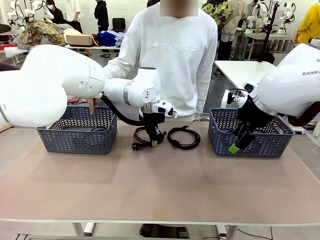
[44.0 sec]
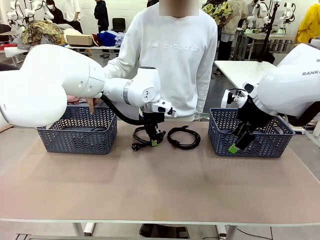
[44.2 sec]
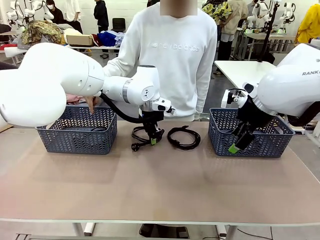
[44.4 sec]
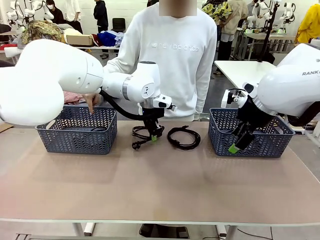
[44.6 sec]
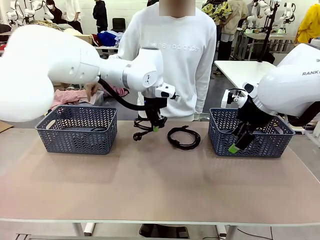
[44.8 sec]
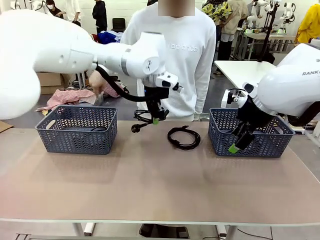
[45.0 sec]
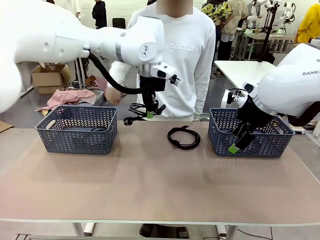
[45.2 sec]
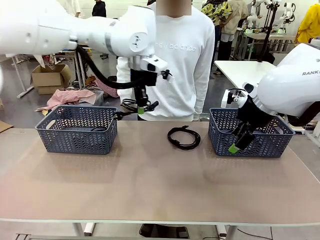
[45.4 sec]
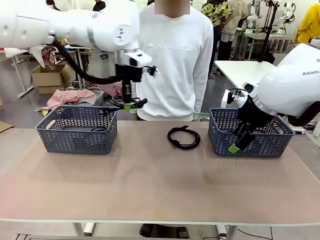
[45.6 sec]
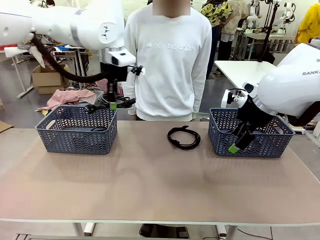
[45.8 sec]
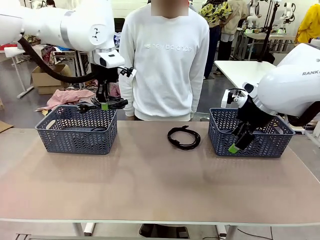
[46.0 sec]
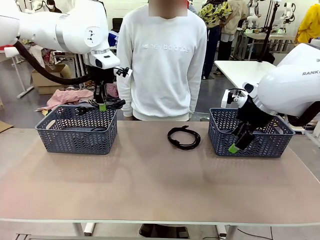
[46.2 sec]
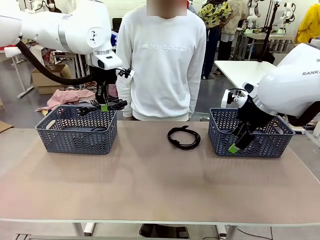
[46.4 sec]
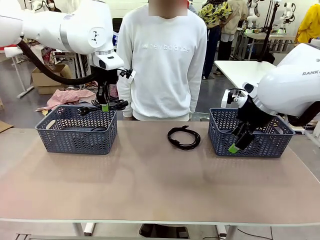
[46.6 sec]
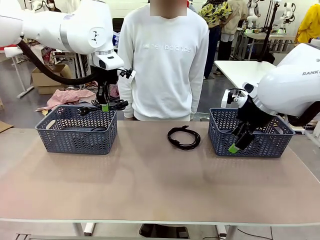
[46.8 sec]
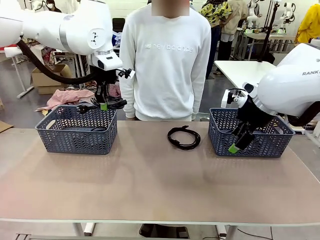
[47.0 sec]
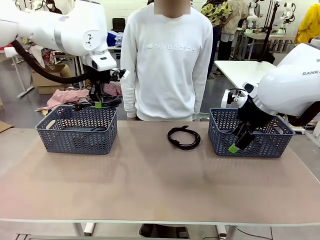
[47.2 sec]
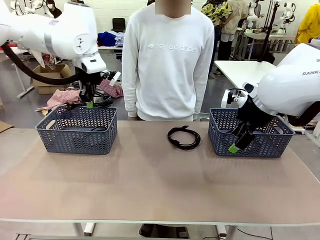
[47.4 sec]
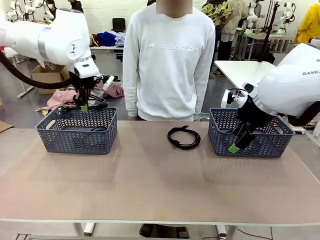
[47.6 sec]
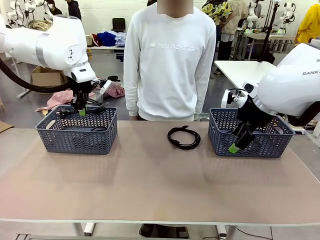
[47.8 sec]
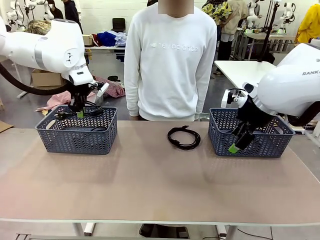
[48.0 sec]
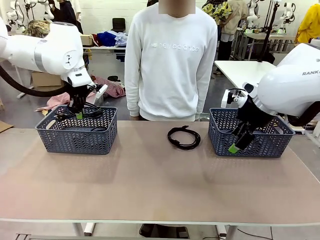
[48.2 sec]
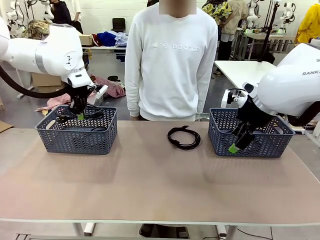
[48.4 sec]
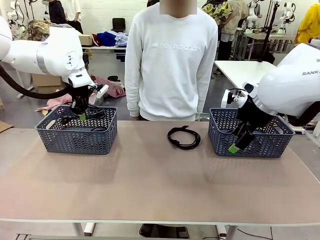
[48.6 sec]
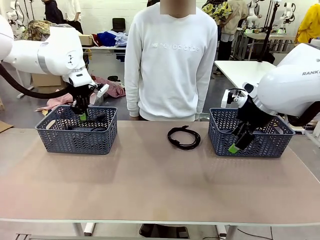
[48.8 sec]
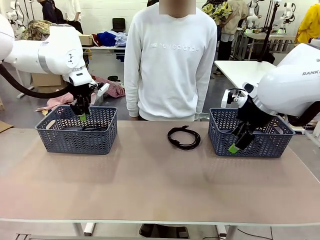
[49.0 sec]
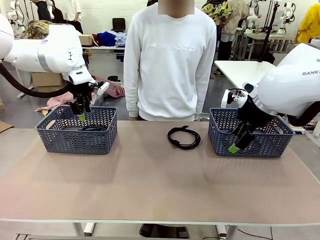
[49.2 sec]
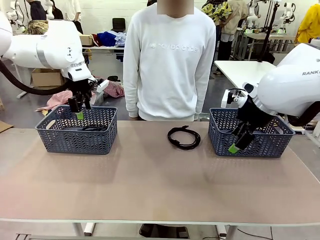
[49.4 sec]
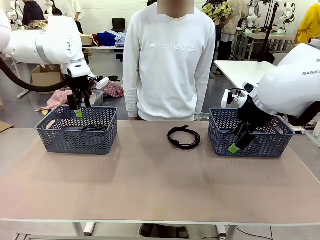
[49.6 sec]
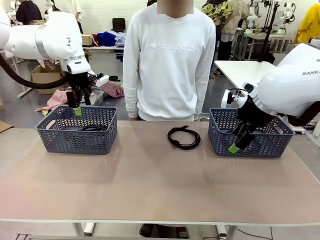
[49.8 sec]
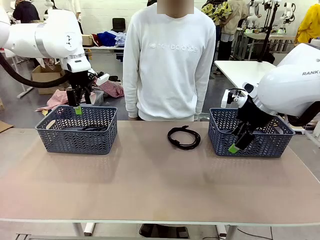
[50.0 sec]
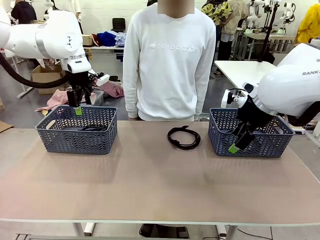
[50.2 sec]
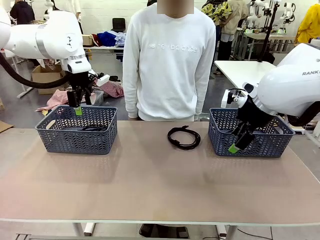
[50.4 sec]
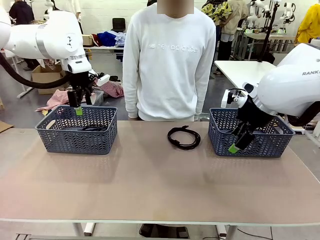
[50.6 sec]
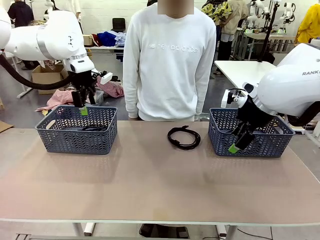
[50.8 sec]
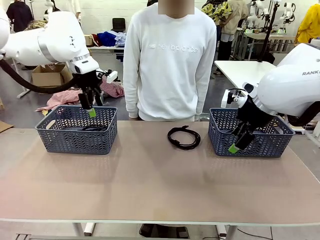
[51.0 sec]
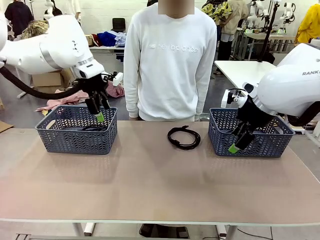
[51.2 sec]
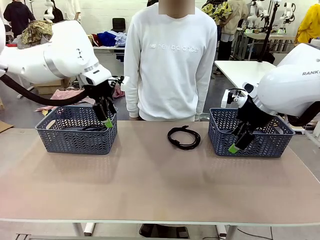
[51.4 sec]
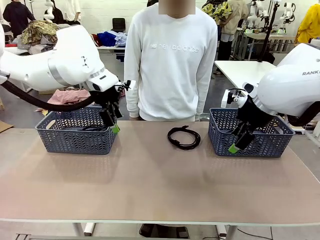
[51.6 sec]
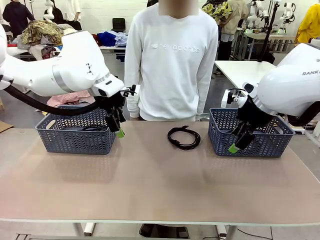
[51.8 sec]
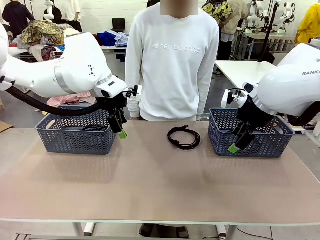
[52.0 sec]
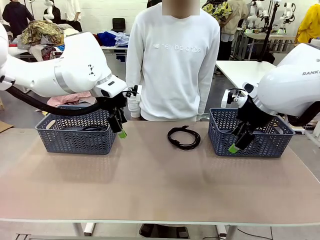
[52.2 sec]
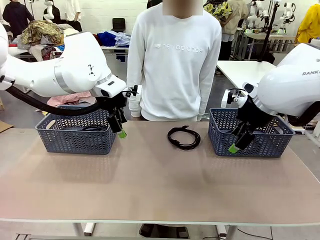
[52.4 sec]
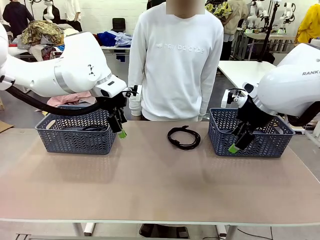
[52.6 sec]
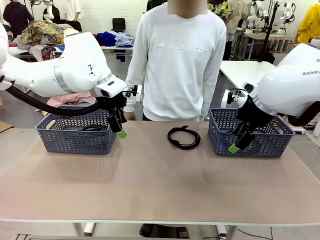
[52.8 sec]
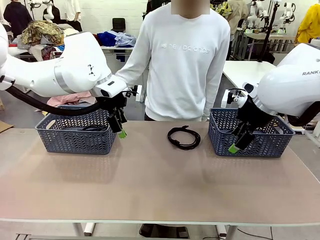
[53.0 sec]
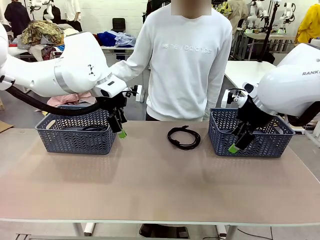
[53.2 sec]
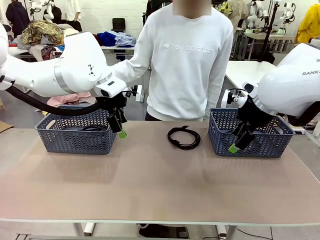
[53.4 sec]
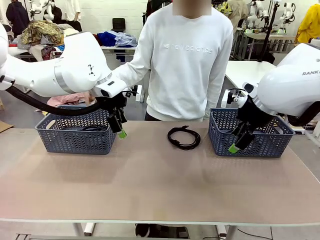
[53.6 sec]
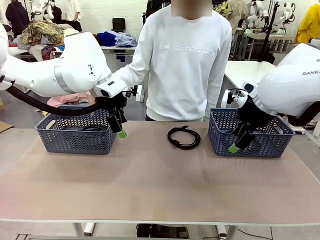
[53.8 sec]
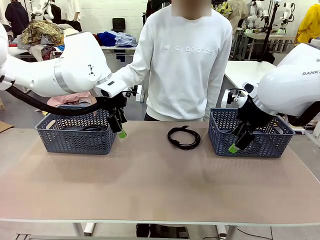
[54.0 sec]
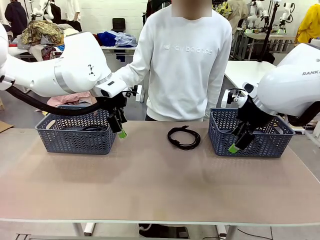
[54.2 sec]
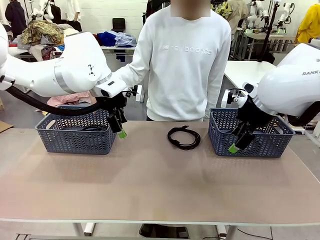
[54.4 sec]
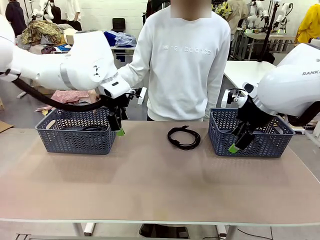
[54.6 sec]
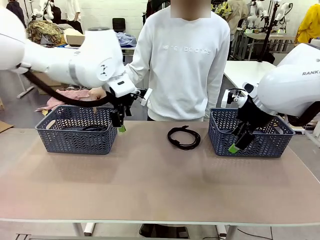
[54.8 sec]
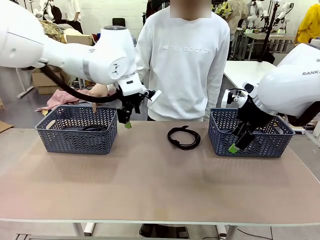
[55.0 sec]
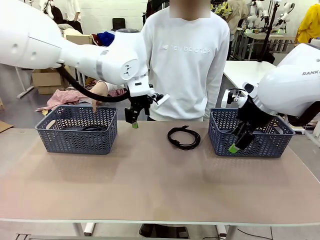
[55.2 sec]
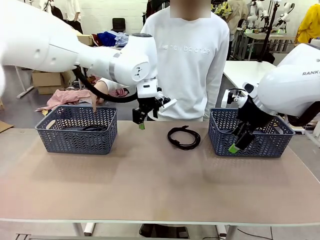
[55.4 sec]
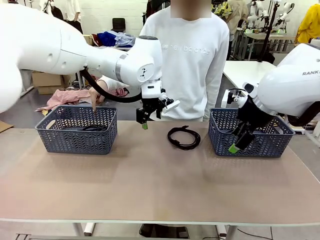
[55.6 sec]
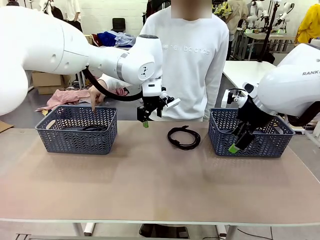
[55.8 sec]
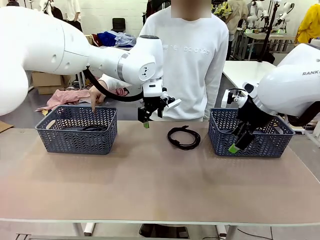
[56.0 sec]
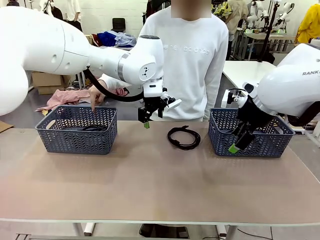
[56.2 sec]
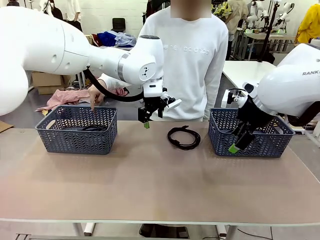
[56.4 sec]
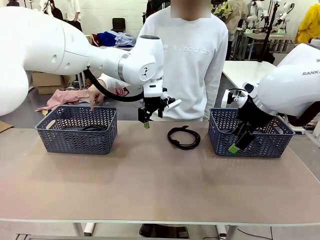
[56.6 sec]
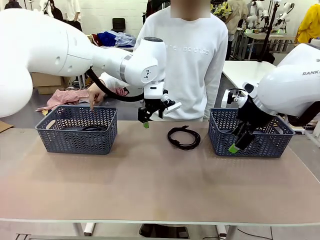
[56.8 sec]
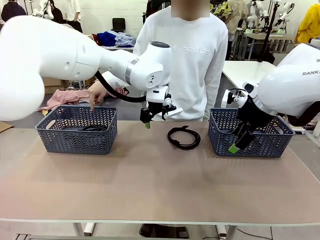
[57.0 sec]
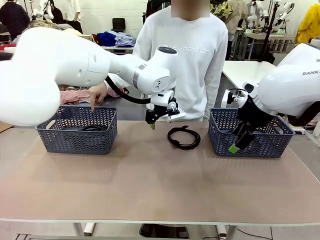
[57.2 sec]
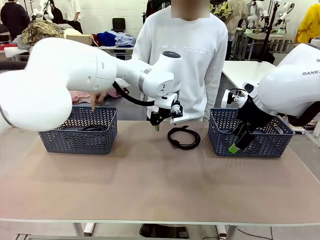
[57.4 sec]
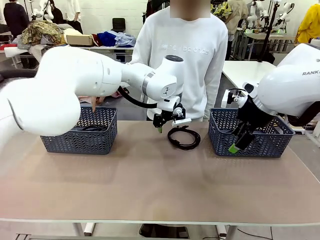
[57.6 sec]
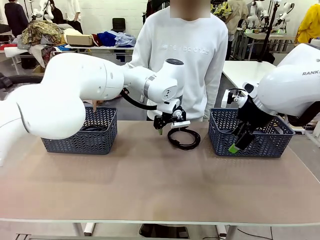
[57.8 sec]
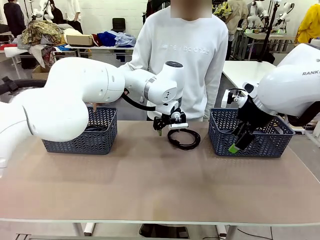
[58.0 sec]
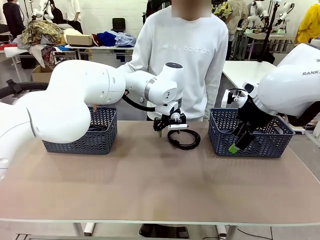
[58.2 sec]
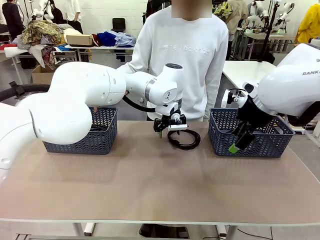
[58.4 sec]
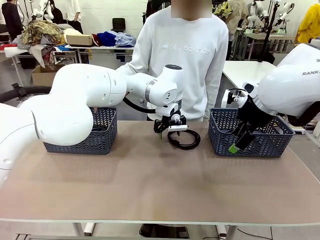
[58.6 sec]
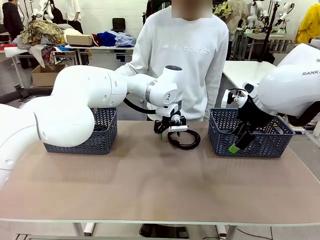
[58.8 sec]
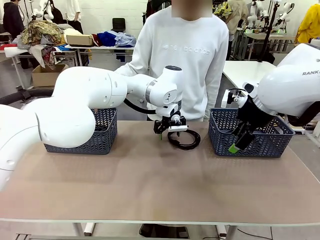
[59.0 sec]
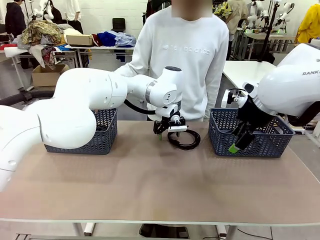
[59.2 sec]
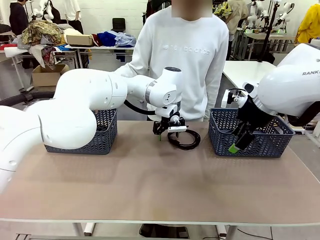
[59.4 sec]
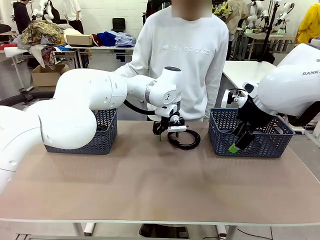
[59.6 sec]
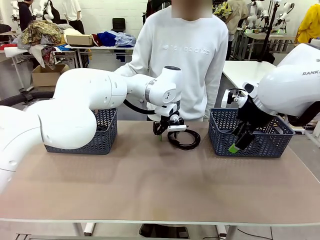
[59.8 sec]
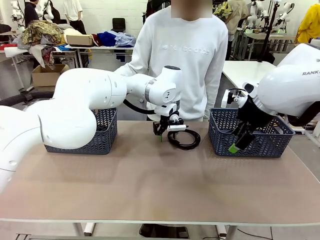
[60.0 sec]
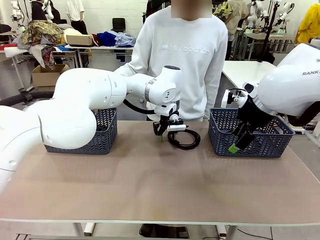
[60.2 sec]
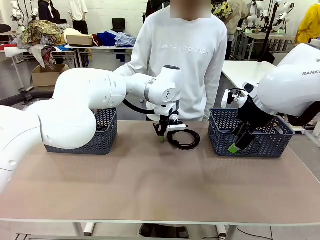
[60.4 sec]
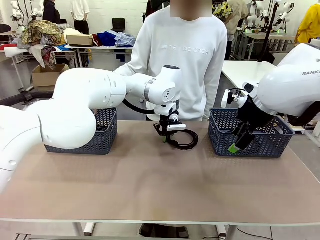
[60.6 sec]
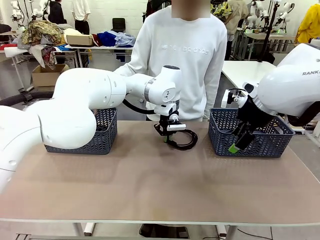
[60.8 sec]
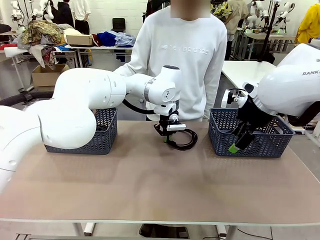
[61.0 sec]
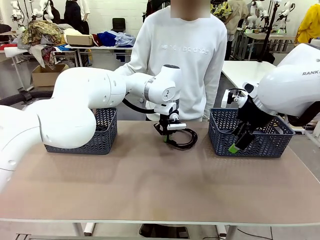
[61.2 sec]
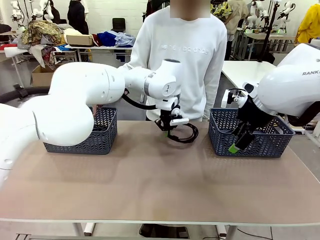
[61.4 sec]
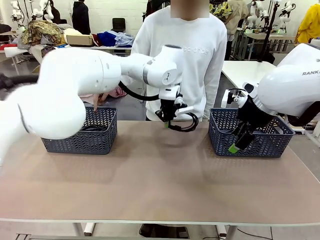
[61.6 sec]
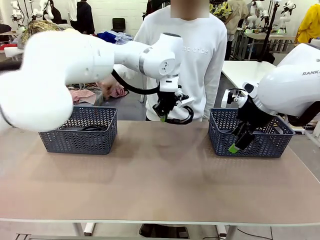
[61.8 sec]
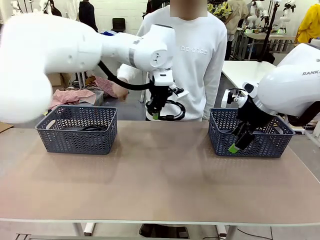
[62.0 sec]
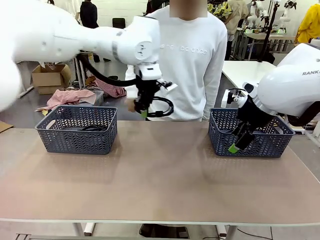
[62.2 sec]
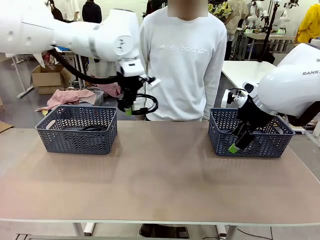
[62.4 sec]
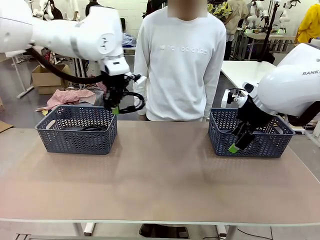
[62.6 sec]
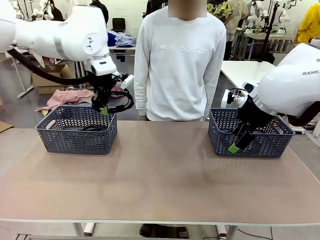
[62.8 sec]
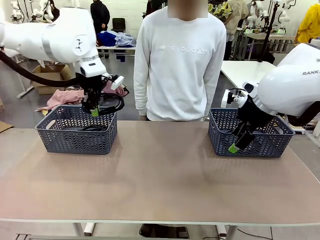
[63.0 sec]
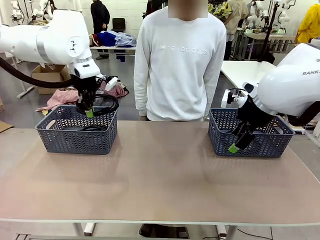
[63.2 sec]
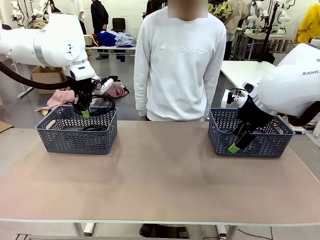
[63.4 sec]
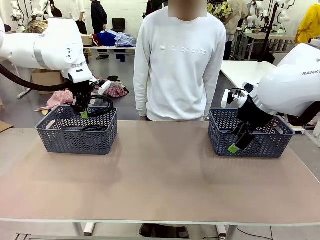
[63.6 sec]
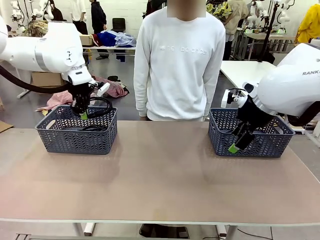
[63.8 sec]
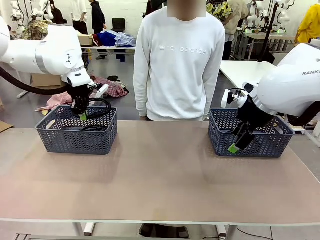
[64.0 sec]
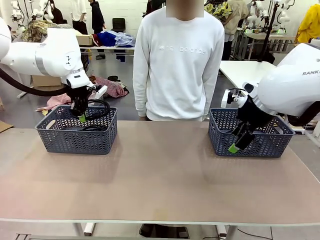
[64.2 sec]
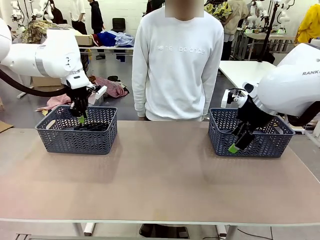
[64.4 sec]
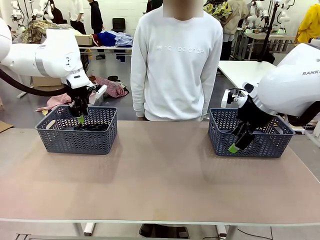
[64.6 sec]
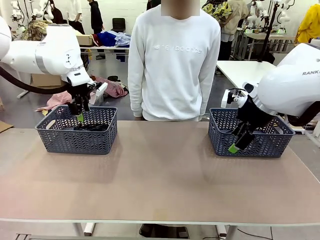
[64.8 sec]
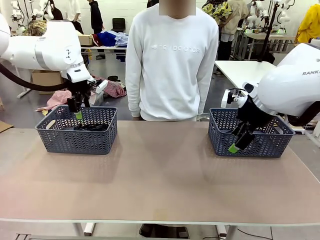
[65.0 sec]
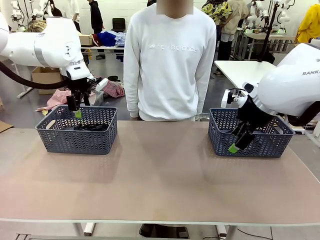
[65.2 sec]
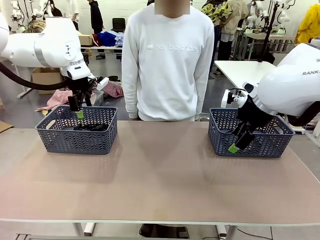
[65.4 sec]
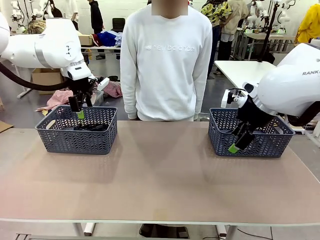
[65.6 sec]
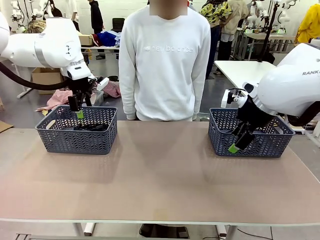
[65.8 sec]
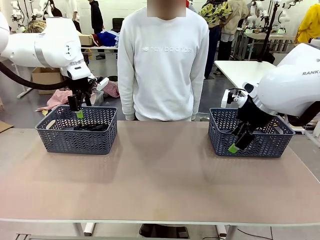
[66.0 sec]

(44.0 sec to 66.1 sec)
Task: Organize the cables according to human instructions.
Robot: Pick up a bundle of cables and place it in the basket indicated by the human.
